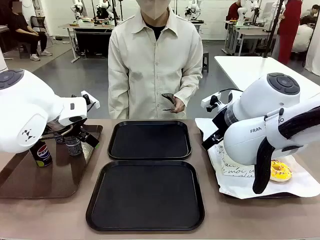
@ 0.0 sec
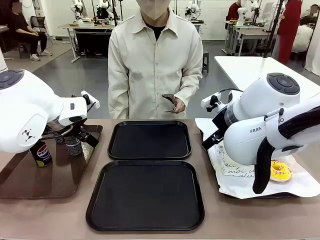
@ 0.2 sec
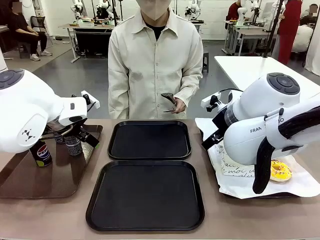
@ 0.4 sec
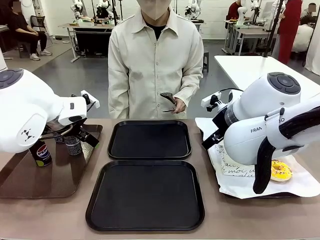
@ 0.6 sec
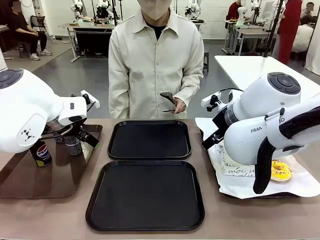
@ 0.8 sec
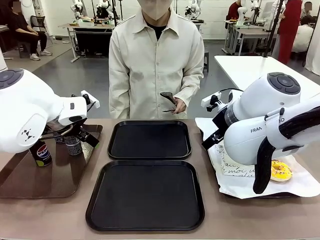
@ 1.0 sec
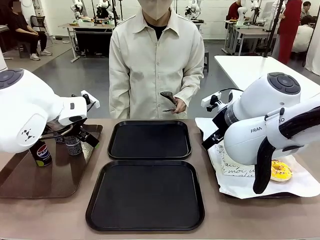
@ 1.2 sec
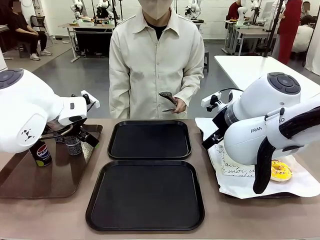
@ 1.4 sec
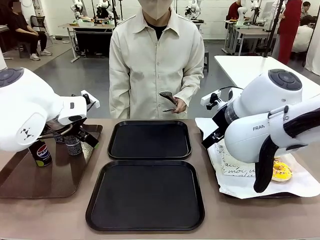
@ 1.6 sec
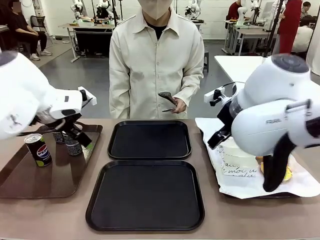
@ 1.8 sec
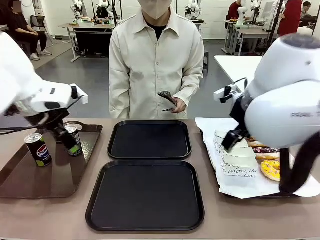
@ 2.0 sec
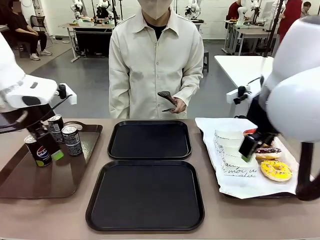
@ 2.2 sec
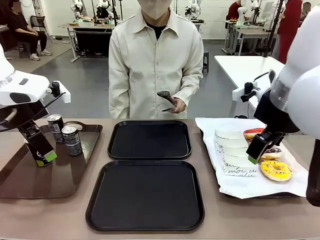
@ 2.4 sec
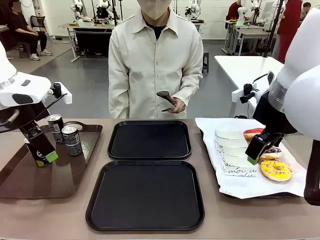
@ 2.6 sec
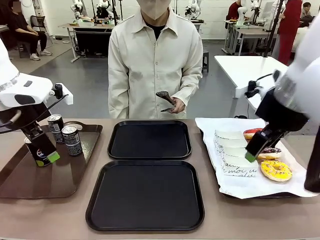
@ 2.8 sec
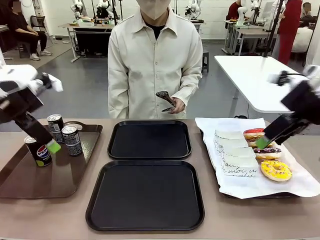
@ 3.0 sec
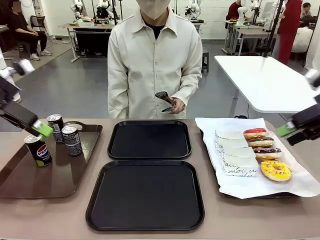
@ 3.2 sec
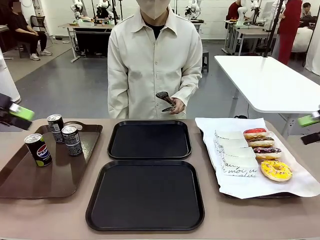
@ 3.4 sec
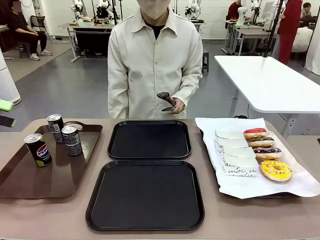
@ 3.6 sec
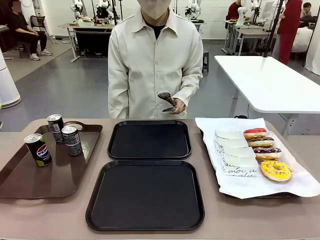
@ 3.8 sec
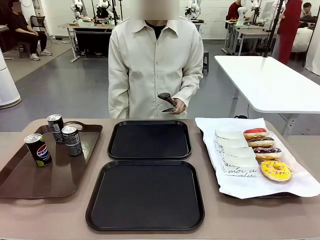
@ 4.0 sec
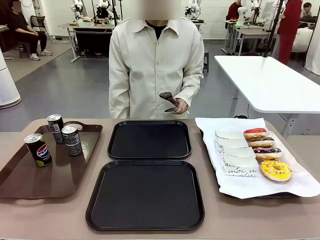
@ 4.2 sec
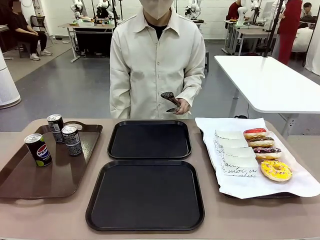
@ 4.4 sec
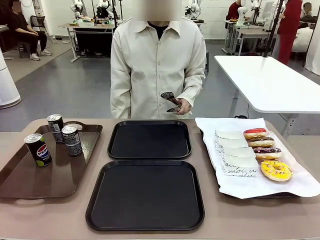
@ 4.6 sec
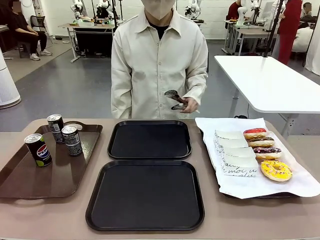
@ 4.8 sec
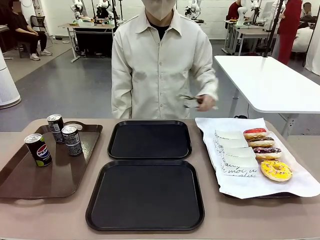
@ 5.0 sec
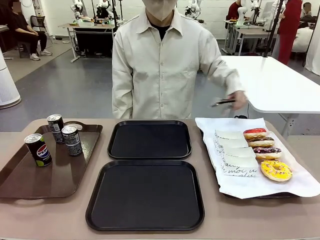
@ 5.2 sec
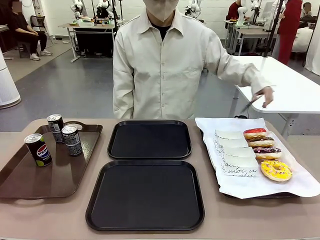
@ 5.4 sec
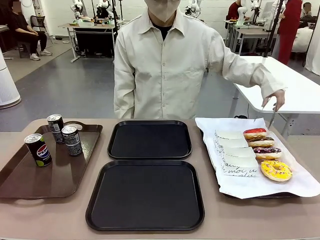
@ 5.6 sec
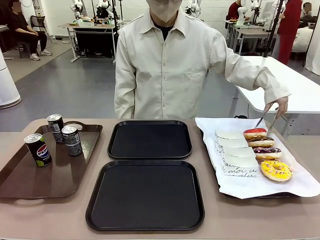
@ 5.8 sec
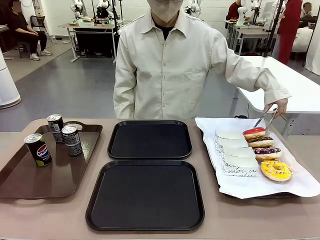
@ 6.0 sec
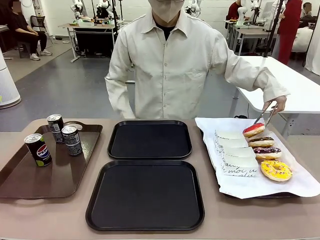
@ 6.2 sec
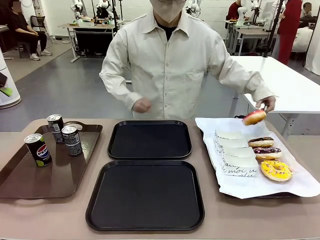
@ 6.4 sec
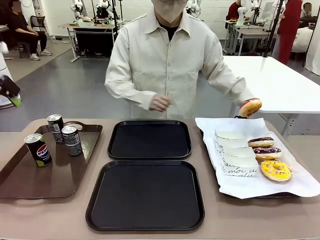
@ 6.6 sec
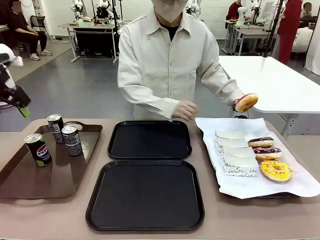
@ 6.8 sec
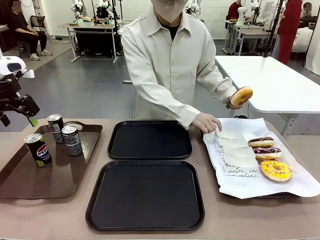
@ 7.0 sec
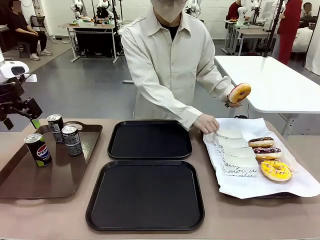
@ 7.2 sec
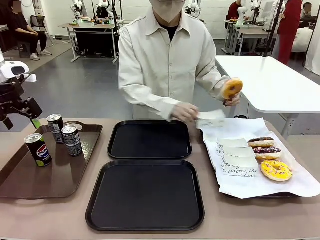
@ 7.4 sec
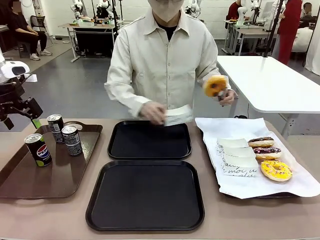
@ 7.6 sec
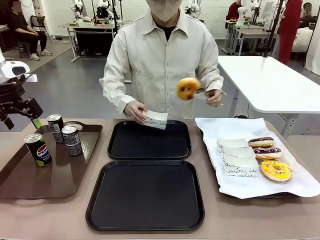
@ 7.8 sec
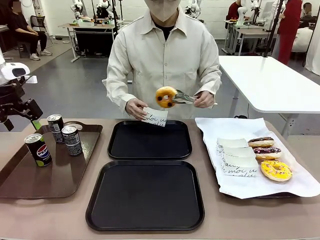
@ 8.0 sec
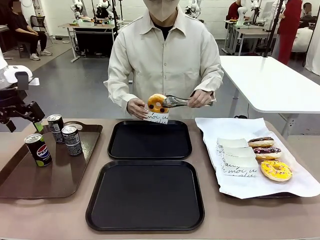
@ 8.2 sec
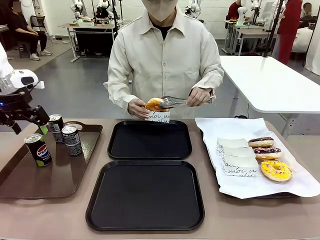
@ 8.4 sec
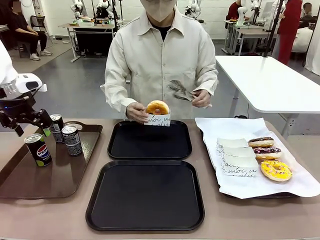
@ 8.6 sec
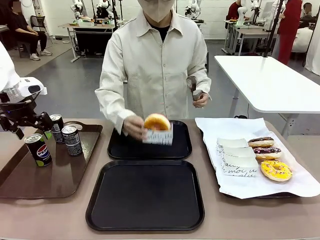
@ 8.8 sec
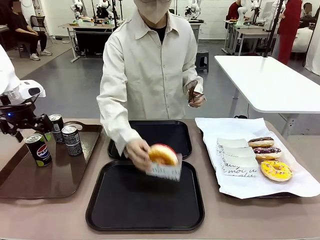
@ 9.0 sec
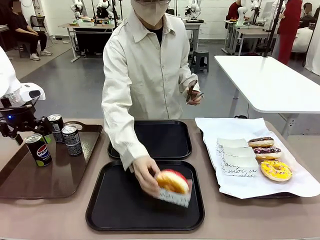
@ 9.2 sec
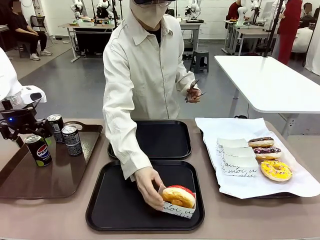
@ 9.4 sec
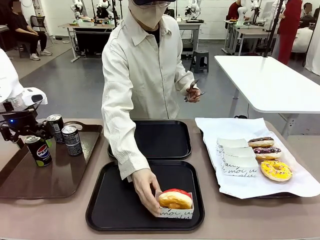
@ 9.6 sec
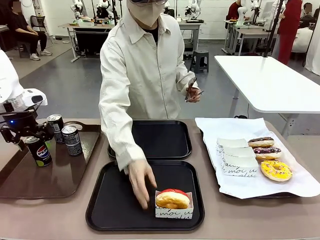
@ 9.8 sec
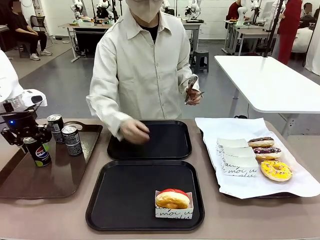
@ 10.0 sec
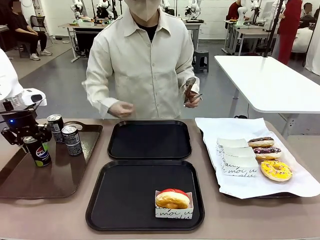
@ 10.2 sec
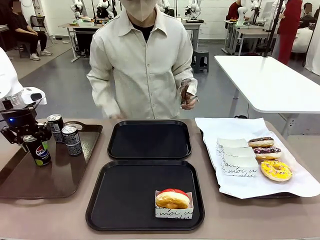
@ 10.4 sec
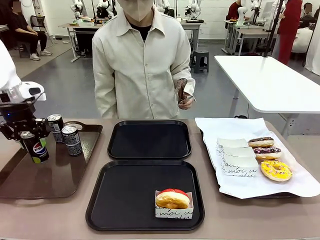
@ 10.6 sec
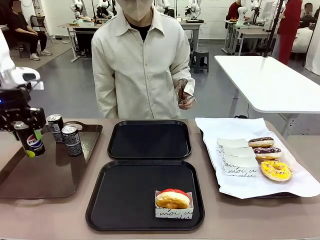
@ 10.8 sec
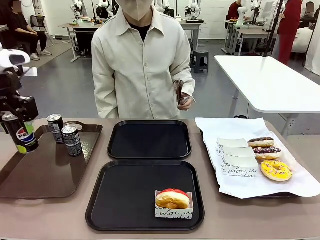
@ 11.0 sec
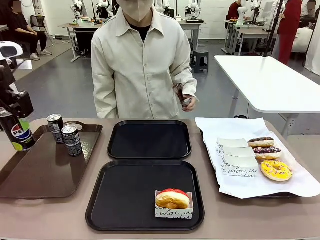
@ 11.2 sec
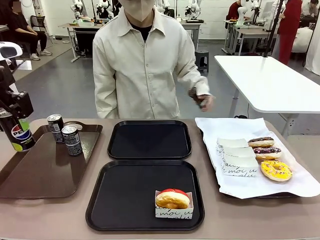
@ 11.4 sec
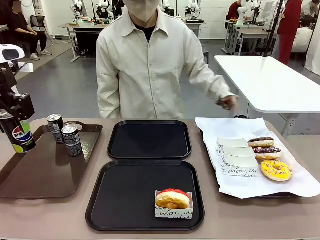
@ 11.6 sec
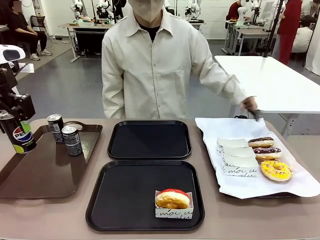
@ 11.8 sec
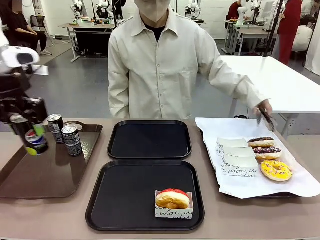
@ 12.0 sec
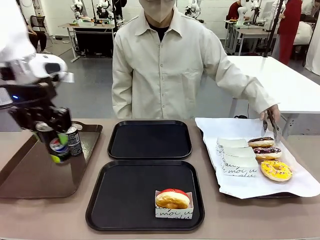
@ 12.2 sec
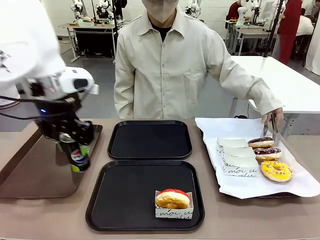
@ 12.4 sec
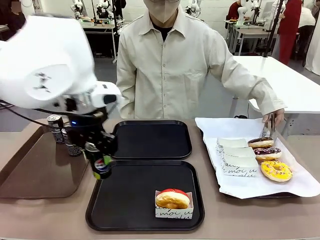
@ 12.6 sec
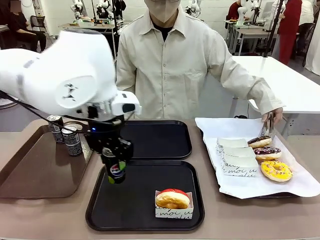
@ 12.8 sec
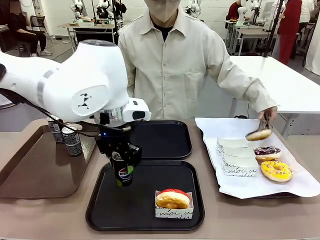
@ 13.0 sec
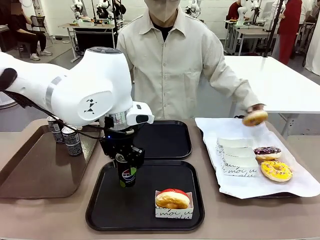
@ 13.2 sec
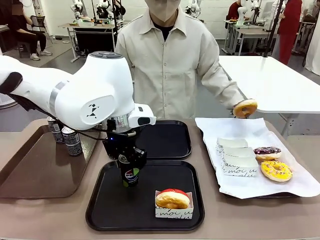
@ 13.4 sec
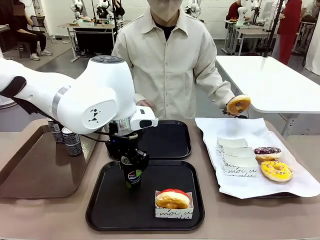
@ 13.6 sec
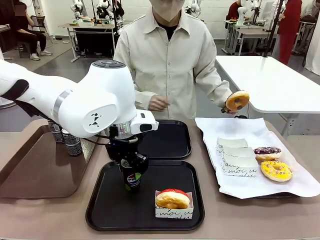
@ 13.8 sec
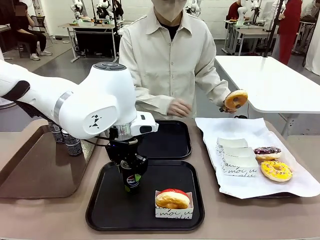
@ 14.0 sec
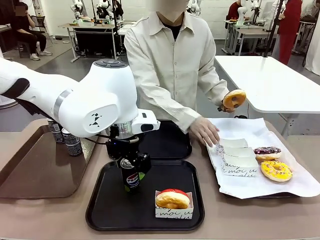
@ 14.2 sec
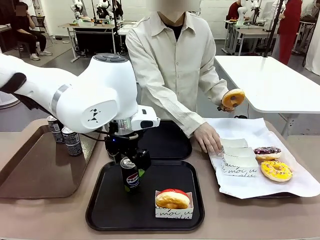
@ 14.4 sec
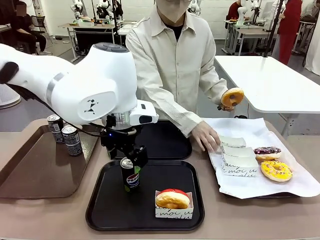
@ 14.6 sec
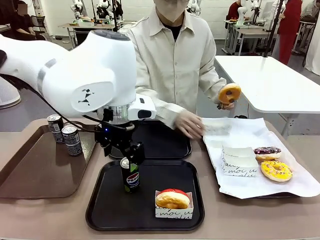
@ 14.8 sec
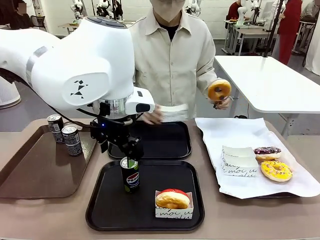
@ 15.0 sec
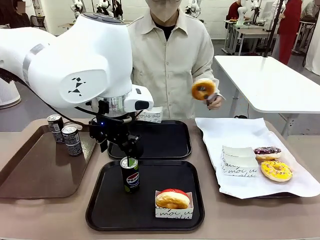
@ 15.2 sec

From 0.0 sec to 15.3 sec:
Task: Set up donuts and drinks on trays.
Robot: Pick up one Pepsi coke and place it on the Flat Tray.
